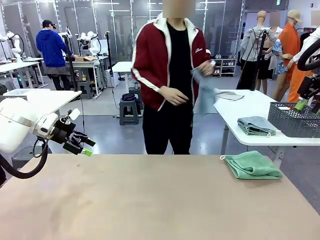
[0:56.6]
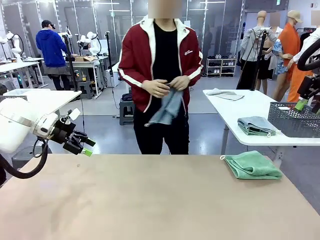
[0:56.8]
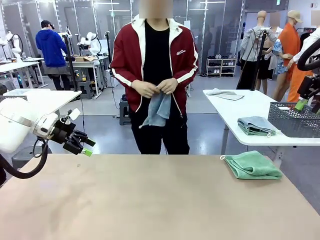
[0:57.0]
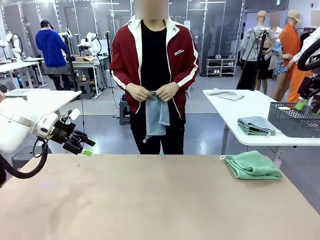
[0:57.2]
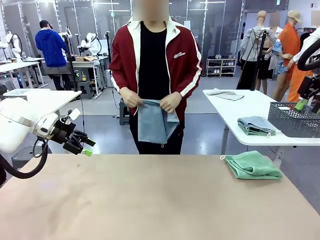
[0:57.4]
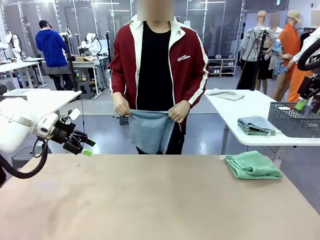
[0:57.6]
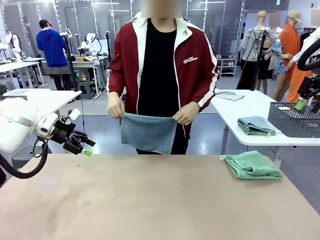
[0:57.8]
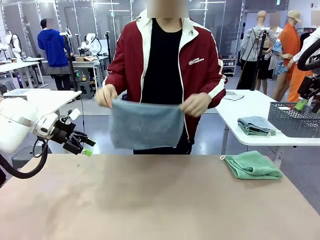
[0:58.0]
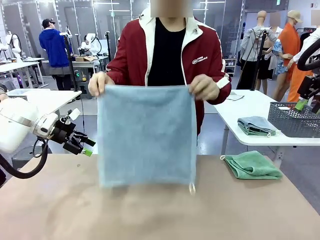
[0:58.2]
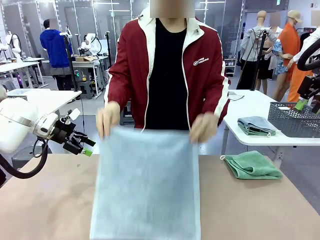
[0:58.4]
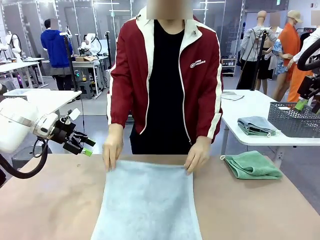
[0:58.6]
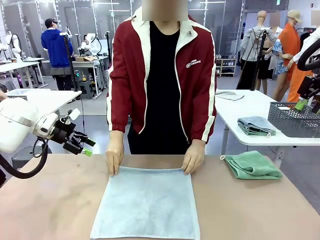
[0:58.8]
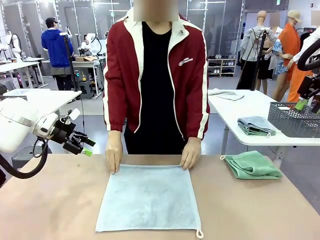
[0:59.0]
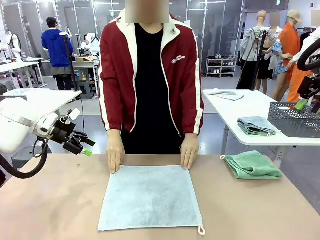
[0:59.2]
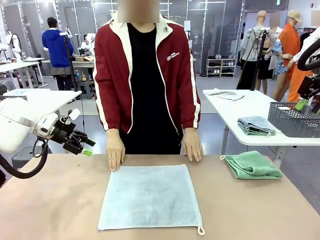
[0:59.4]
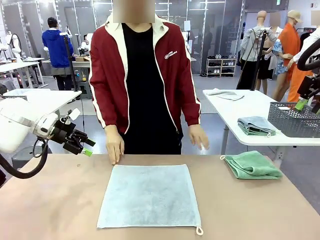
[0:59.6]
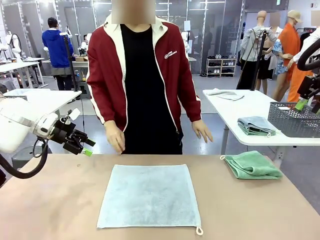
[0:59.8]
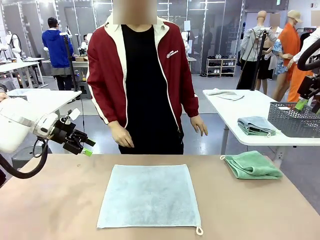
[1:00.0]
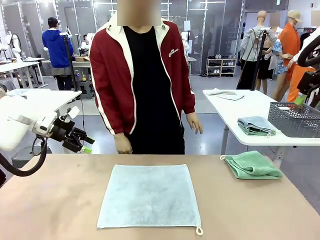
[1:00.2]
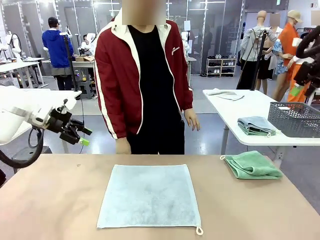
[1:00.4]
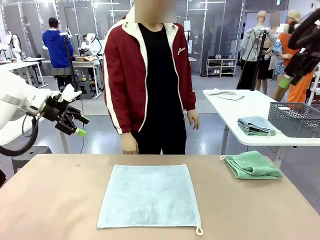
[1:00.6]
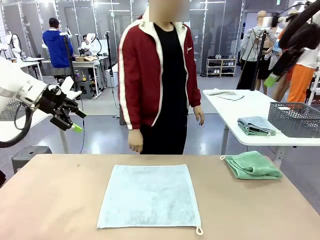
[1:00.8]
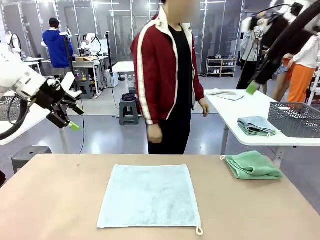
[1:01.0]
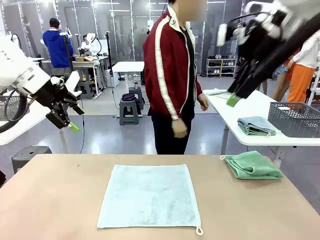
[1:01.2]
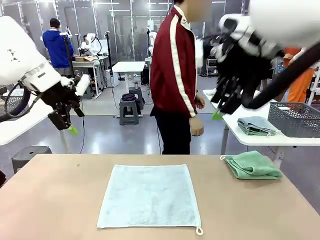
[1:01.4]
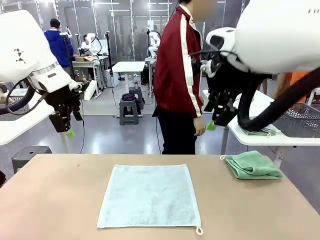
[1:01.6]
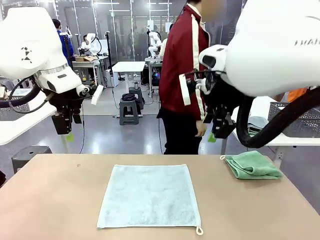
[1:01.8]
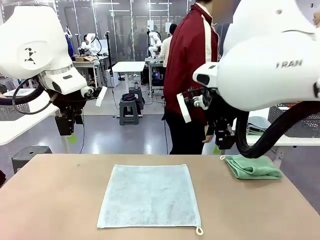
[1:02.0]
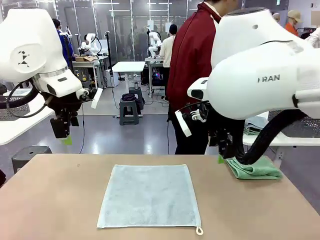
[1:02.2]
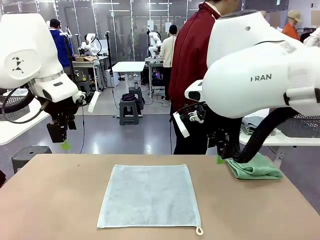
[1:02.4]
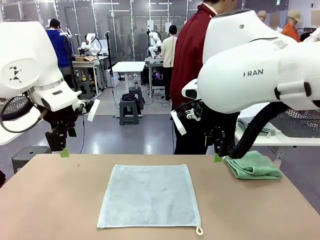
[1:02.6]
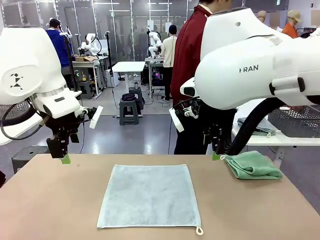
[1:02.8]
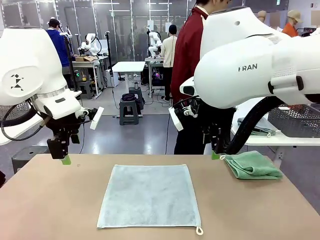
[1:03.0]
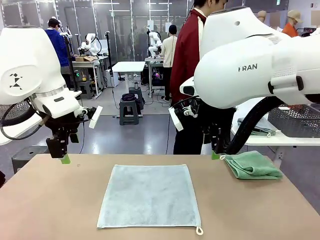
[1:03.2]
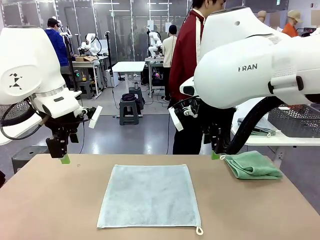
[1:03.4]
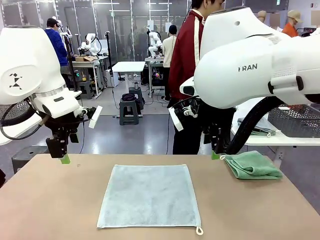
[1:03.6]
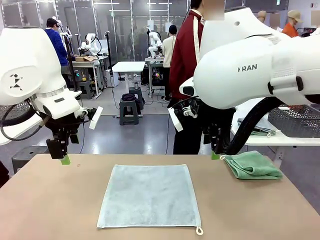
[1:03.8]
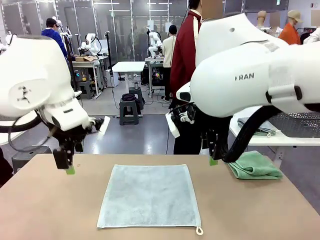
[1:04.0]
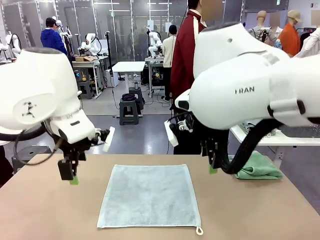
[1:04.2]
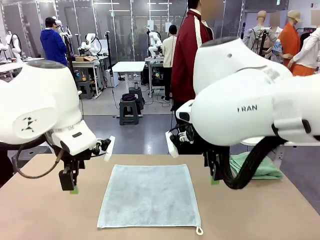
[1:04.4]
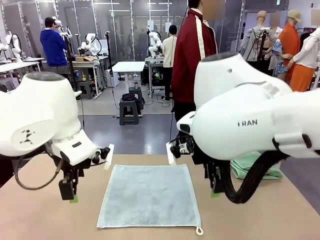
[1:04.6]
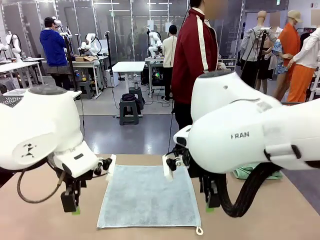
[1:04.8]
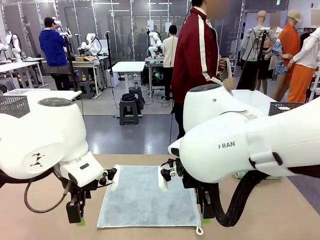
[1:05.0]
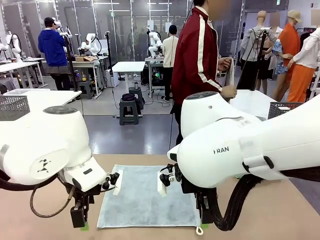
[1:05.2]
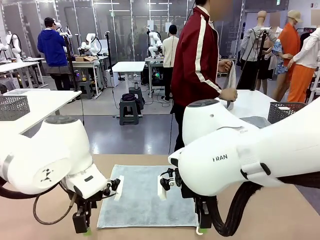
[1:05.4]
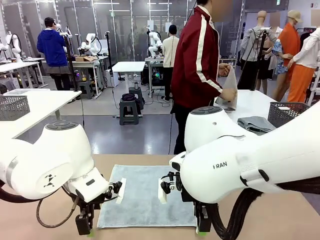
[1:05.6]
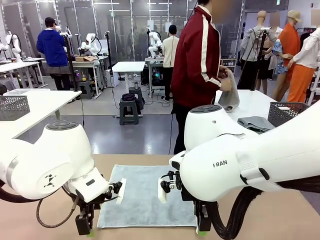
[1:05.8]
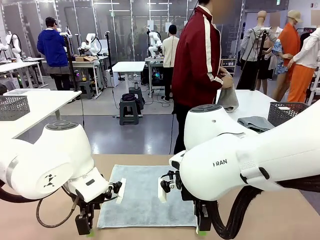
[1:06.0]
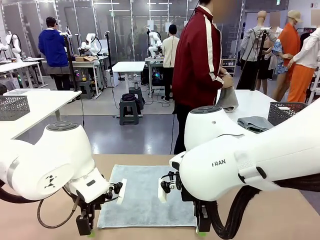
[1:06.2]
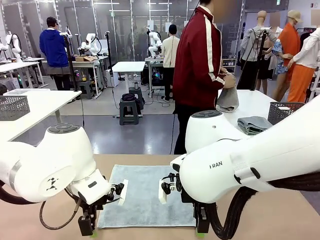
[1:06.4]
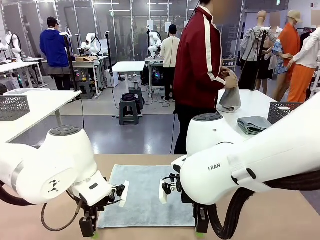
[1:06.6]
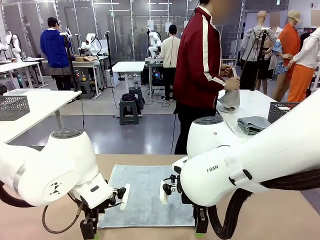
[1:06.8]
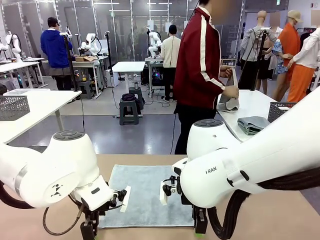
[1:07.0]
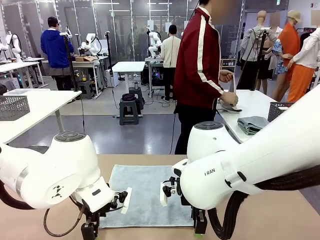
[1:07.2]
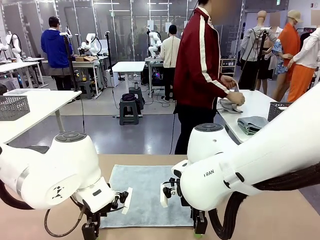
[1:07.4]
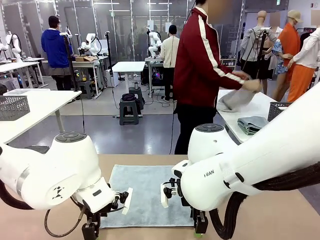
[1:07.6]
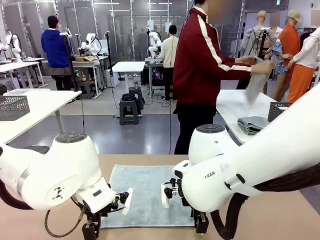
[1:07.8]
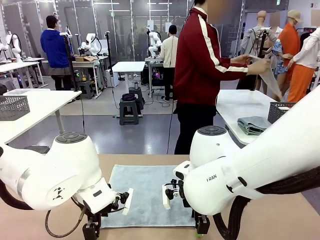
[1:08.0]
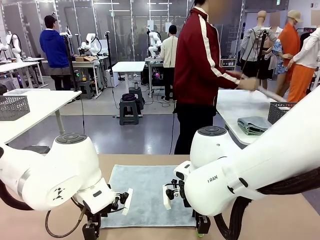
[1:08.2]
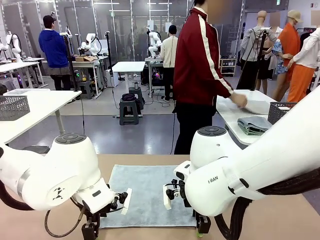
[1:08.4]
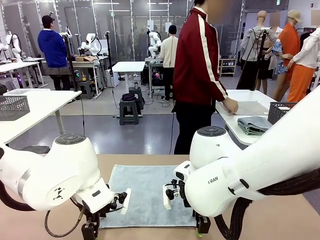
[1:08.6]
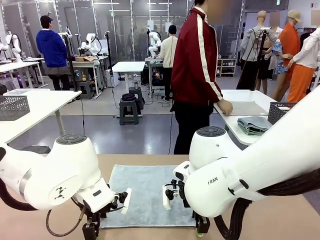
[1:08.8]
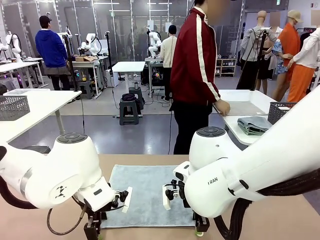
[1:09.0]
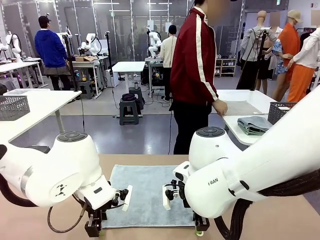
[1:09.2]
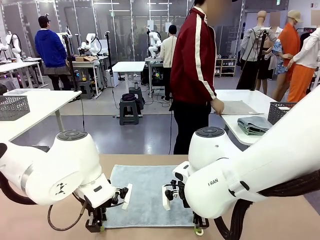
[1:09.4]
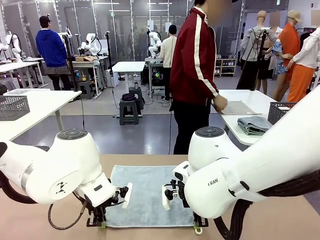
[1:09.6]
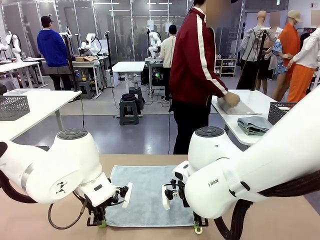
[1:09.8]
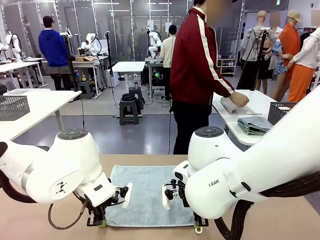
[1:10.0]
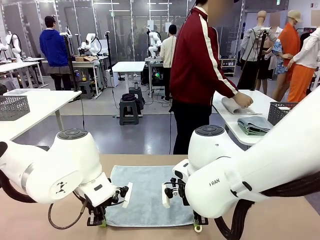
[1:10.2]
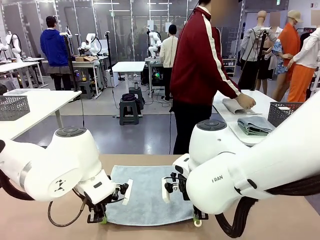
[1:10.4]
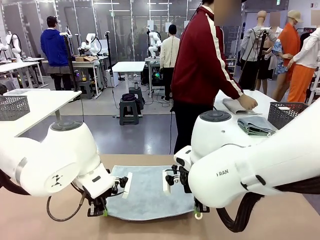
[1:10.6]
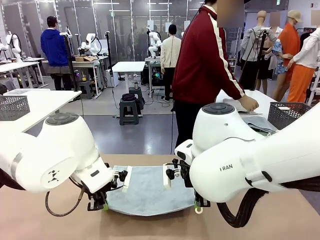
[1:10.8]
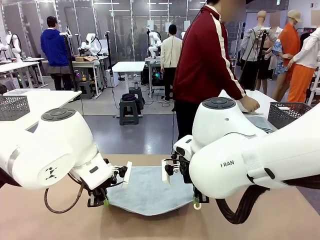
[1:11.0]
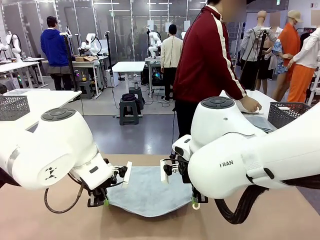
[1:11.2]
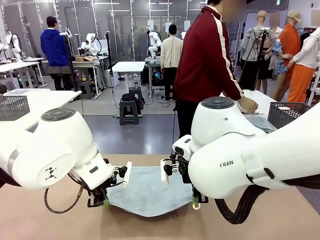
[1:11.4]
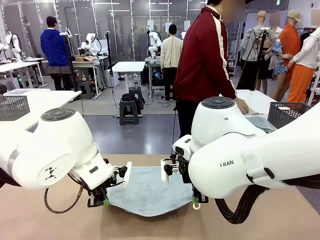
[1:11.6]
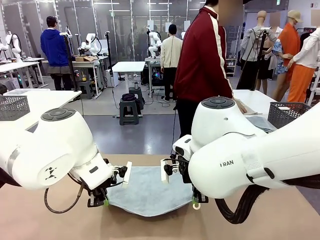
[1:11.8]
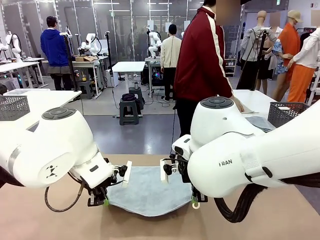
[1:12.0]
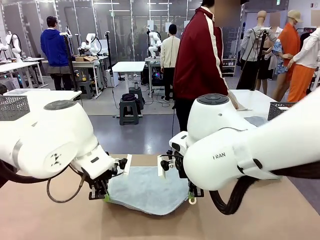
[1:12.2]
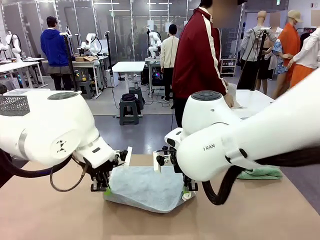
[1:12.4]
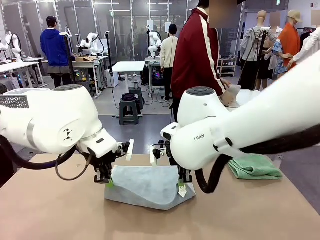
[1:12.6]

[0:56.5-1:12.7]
Task: Fold the towels and place them in the basket.
Robot: When a person lays out a Towel with hook on the table, fold it in half twice.
Person: Pick up one towel from the left side of the human table and spread it out at the center of the robot table. Pick up one towel from the left side of the human table, fold it in half twice, and stack it on the right side of the table.

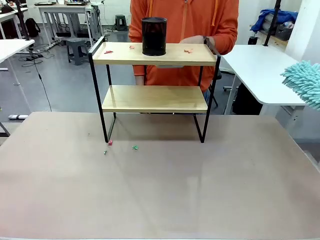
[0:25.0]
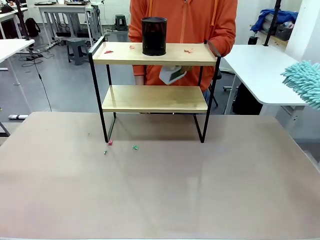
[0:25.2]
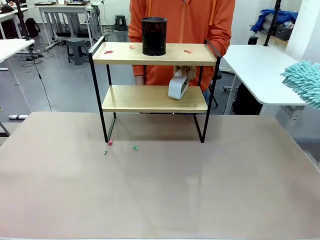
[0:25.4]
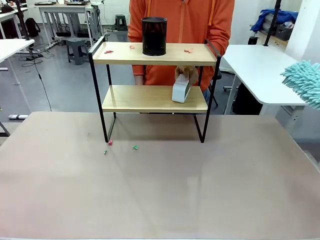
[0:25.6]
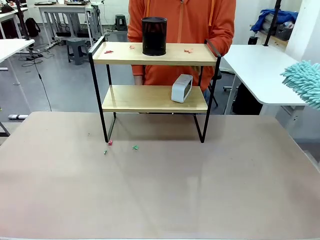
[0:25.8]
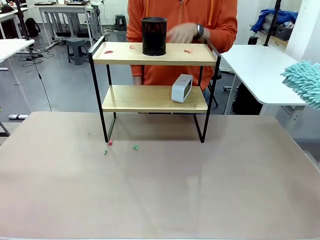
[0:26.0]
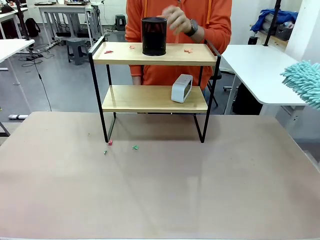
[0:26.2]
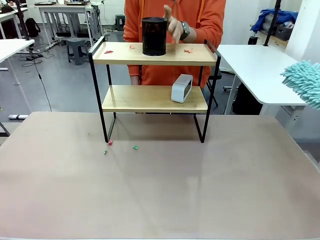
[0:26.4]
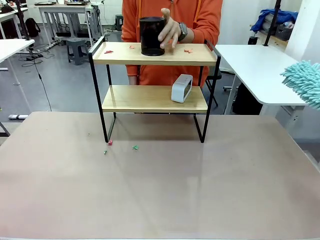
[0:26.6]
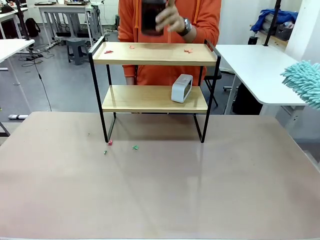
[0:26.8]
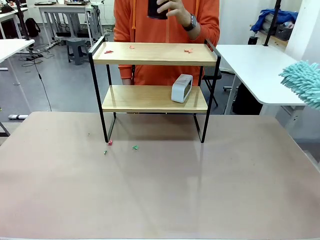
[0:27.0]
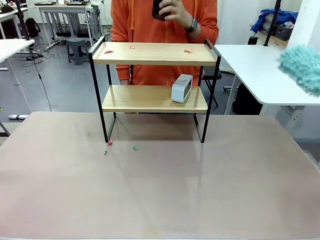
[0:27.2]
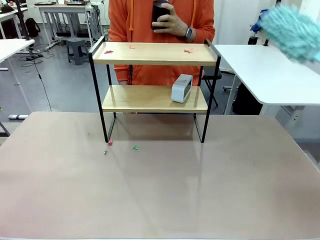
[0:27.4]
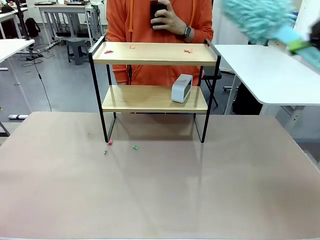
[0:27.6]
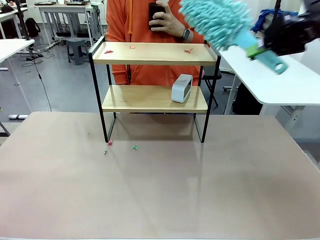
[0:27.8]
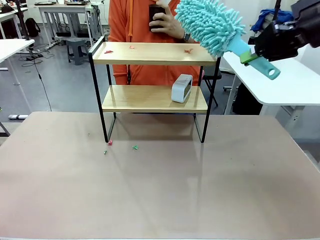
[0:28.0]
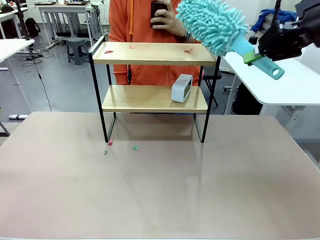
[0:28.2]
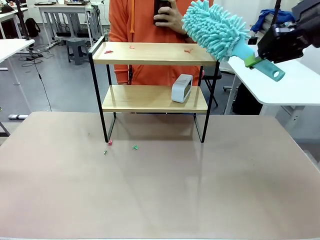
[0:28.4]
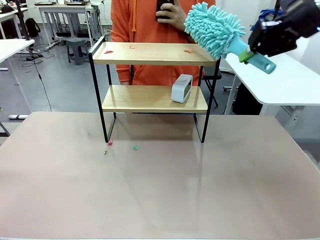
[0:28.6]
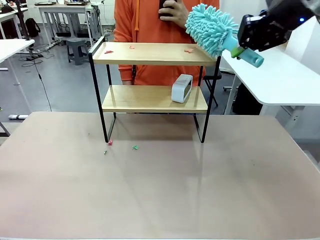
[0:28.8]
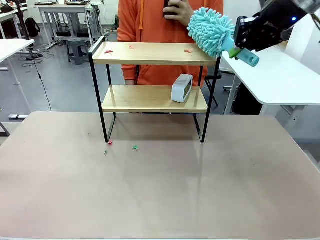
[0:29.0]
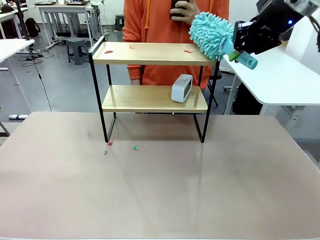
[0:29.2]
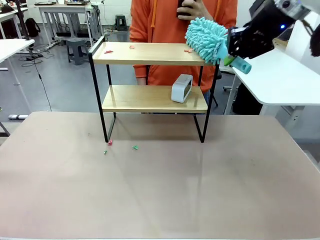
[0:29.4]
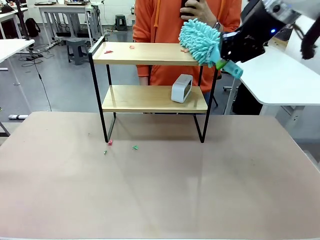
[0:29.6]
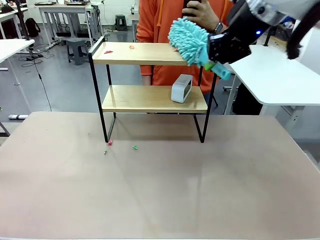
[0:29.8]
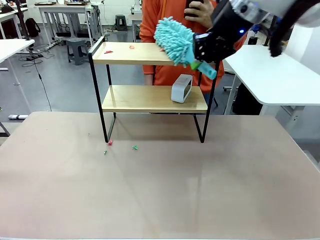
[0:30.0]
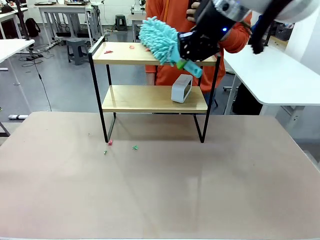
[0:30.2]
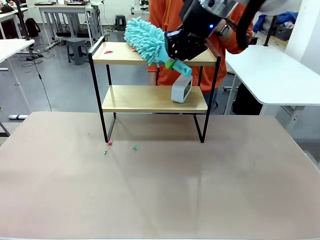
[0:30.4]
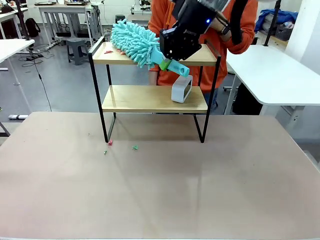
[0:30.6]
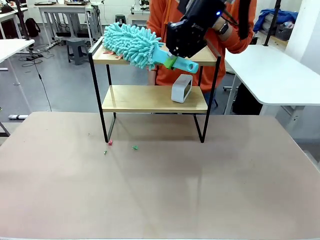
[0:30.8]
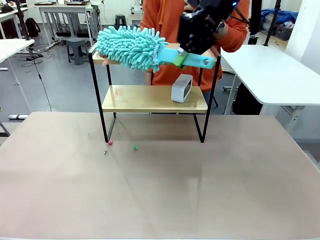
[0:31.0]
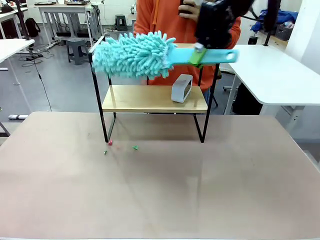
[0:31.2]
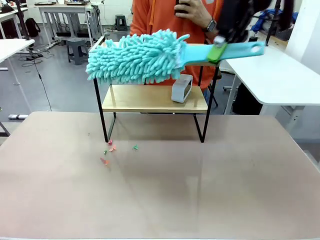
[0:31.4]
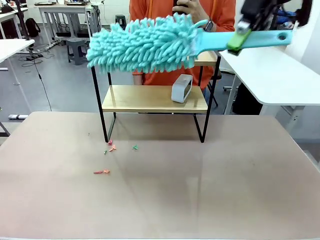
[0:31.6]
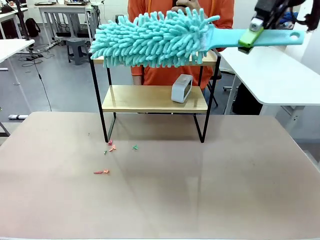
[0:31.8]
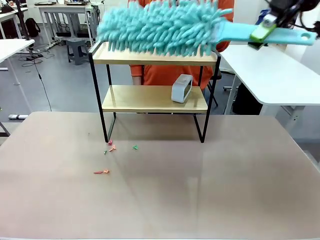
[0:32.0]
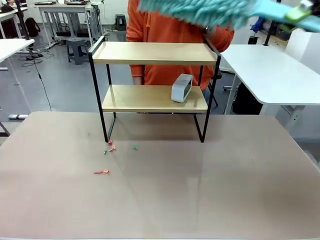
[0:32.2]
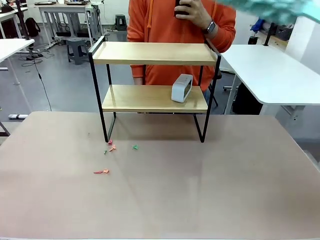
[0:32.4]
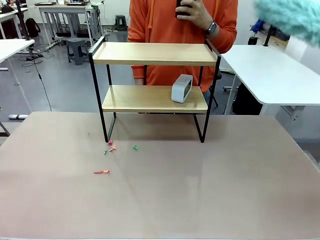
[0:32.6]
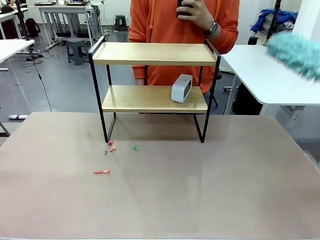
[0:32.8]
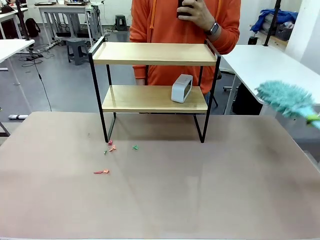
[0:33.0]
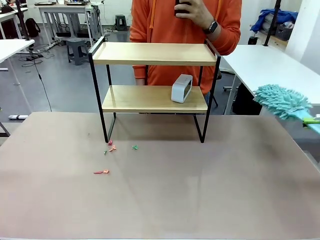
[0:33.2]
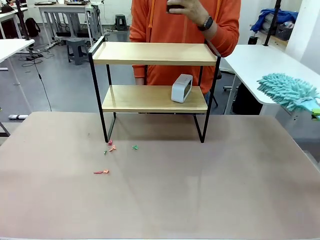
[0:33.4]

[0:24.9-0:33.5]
Task: Clean the shelf.
Robot: Clean the remaining tier of the Shelf with the Duster once objects are removed.
